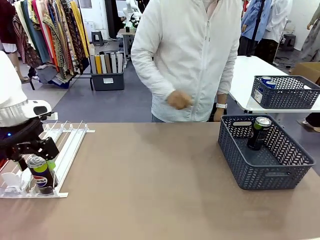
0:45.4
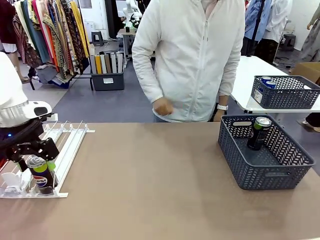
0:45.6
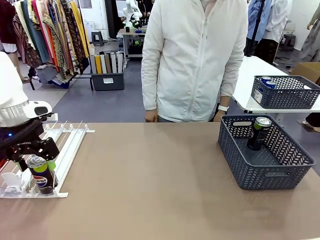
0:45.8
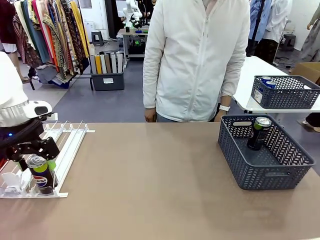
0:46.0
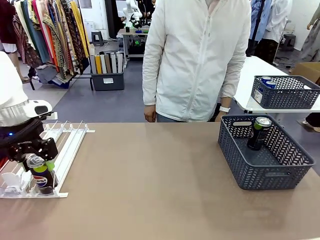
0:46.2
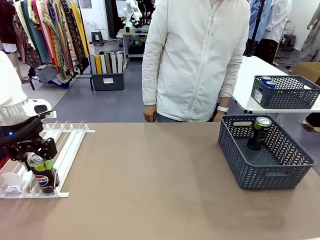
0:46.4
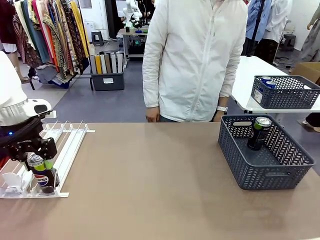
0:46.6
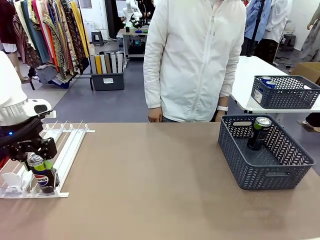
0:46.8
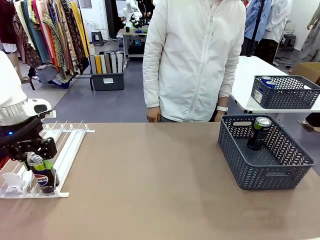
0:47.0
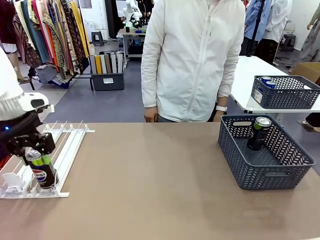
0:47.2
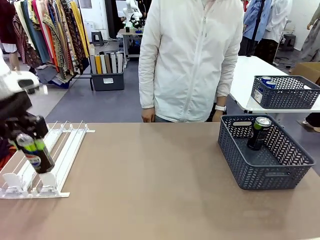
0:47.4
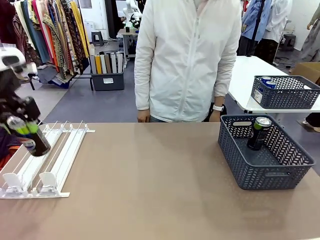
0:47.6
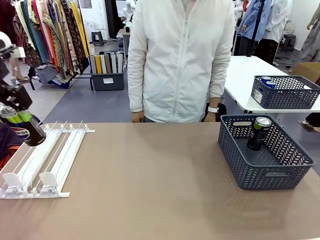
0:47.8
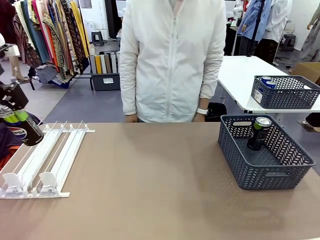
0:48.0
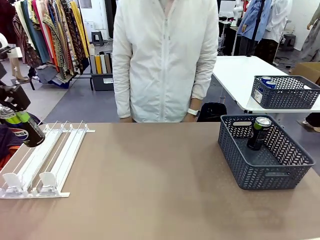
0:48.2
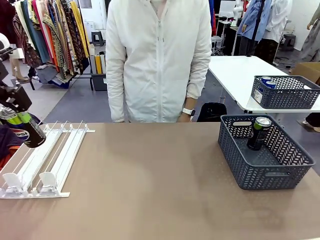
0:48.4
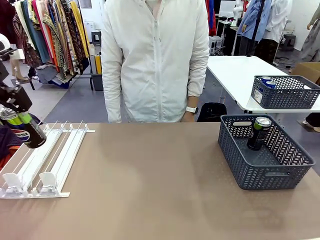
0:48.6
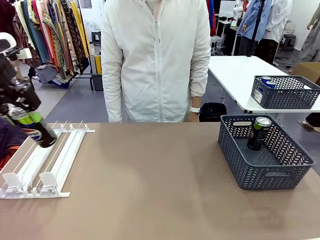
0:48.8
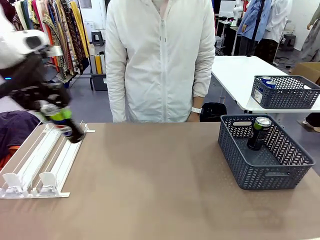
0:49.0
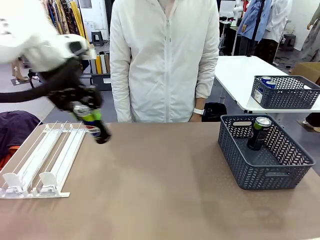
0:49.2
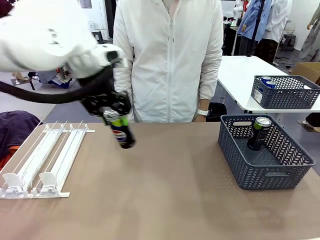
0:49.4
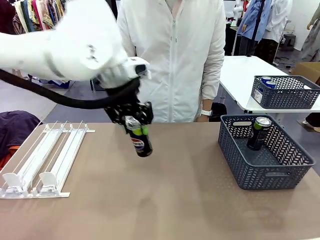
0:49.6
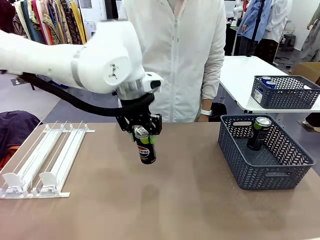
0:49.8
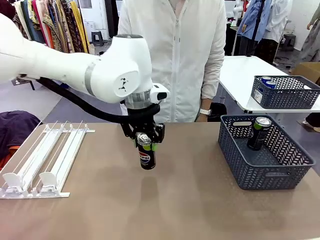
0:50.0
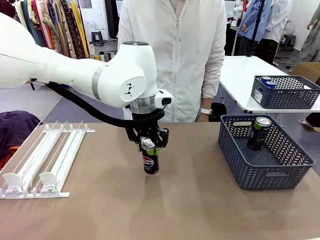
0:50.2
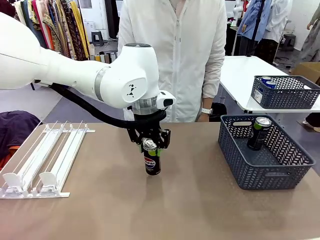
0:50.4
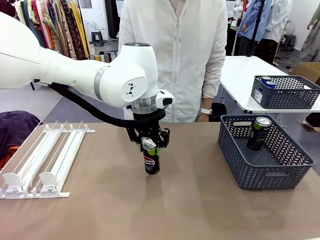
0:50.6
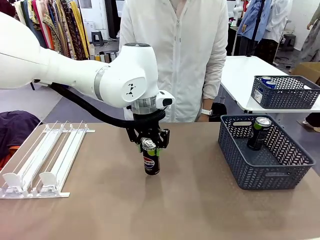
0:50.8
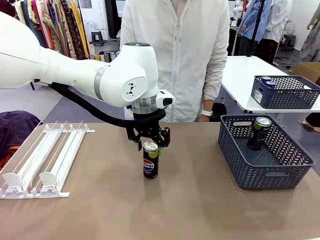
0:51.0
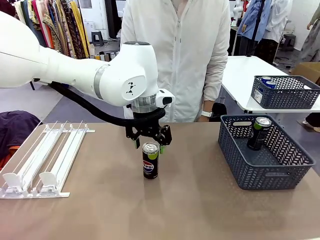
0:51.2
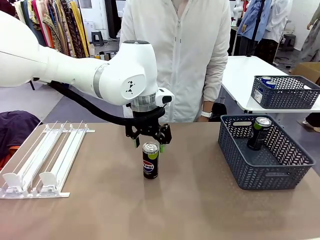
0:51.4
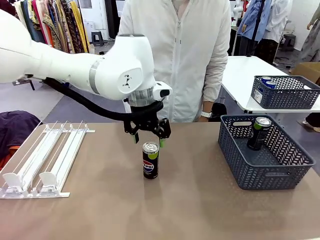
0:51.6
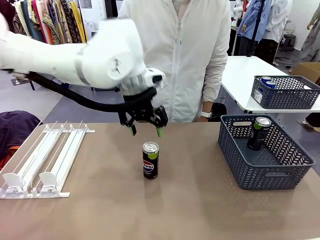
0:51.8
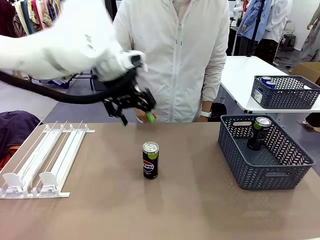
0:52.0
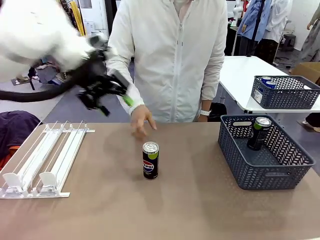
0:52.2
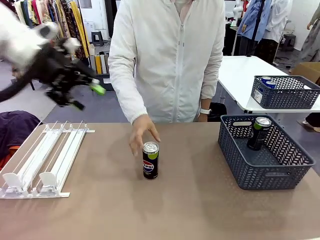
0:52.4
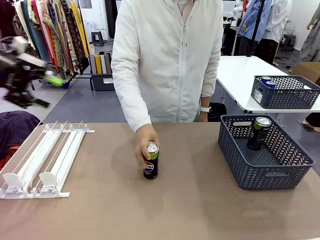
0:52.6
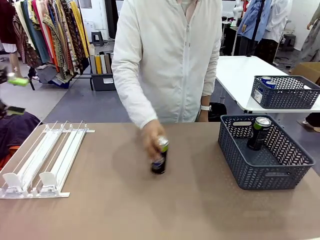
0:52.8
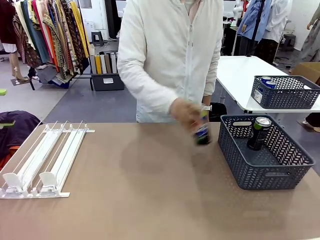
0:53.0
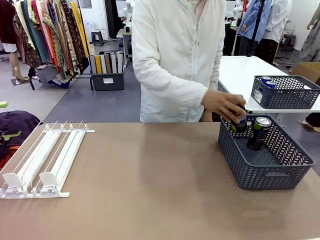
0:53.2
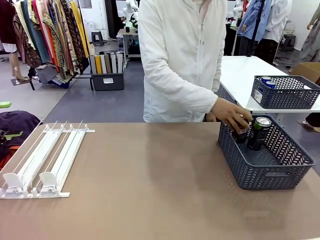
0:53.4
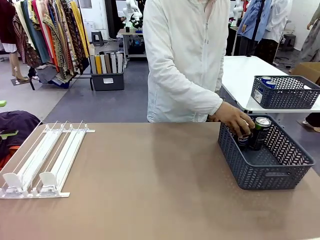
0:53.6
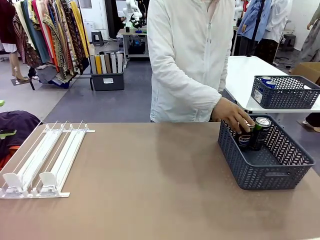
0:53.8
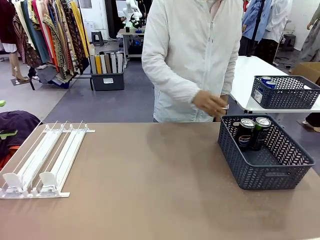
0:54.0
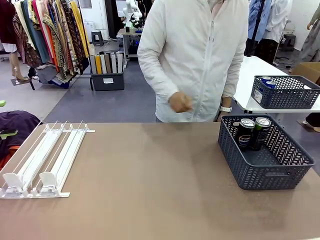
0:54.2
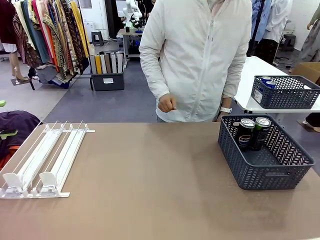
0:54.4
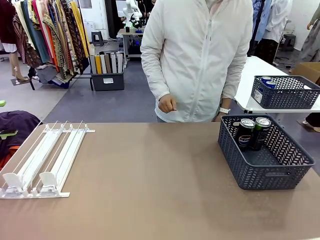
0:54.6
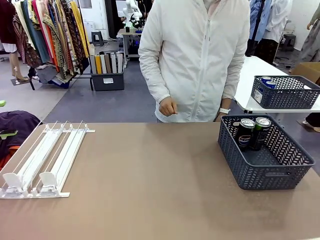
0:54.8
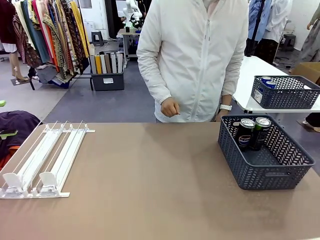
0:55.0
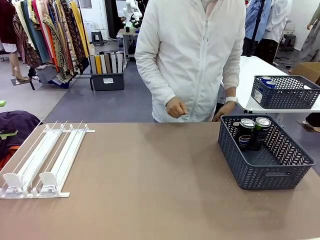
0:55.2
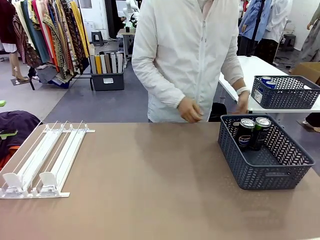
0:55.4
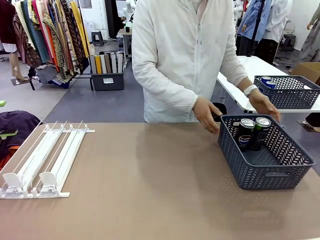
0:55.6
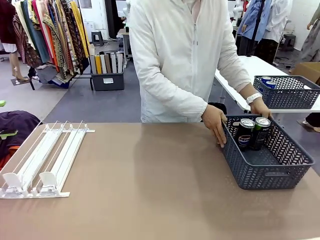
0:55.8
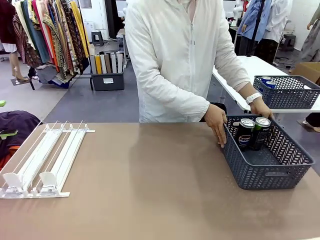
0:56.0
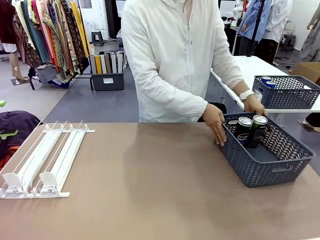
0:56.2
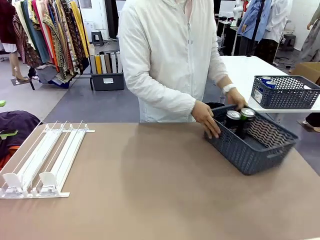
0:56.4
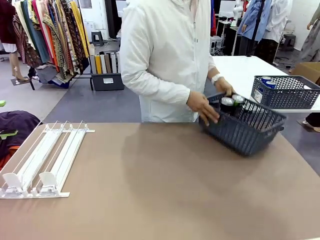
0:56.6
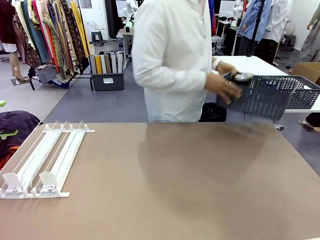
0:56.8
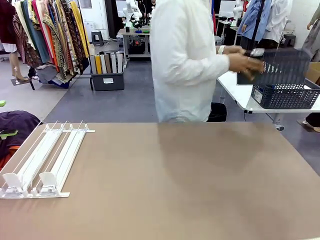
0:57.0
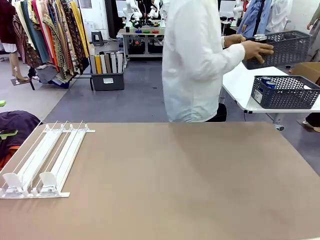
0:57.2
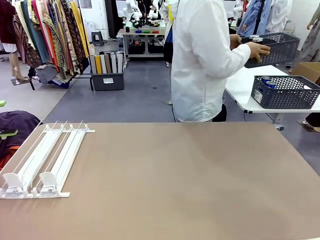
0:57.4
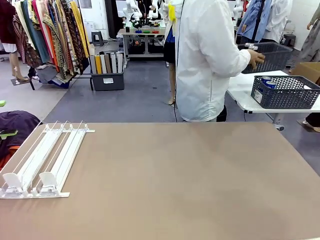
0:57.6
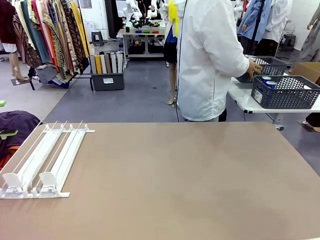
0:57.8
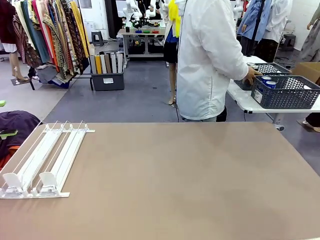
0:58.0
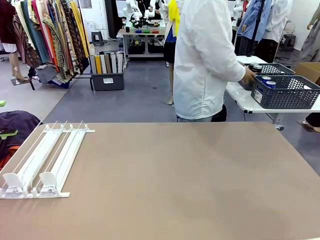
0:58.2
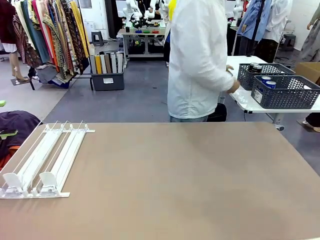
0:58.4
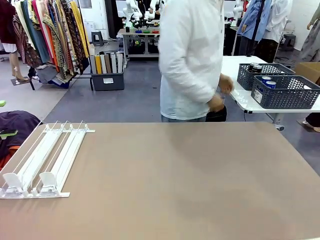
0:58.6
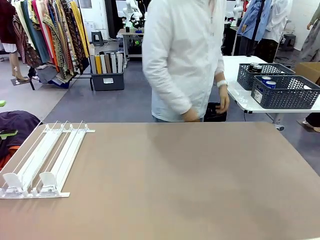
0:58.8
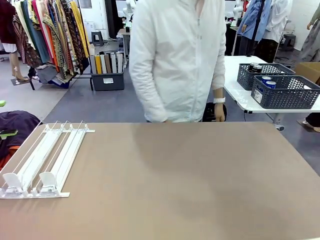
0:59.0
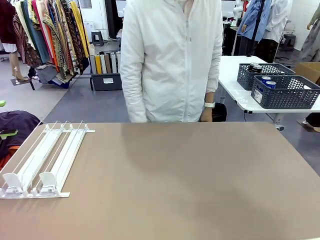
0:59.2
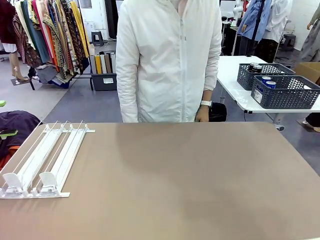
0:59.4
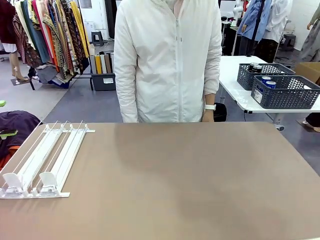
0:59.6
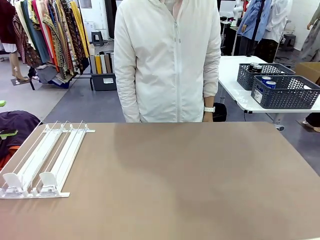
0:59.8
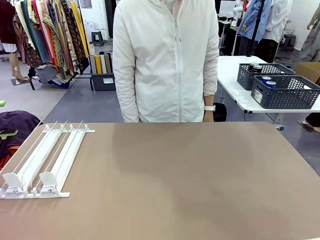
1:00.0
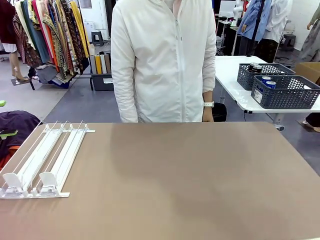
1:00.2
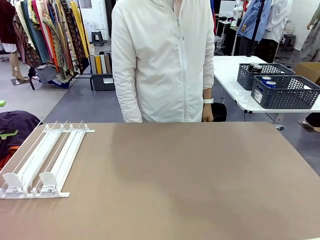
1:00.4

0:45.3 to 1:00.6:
Task: Retrieve and store the cans from the dispenser.
Robot: Pick up one can from the Automatic Can Dispenser and place it in the middle of the table.
Person: Pick up one sports drink can from the middle of the robot table and place it in the basket. Pick up the basket and place it in the middle of the human table.
